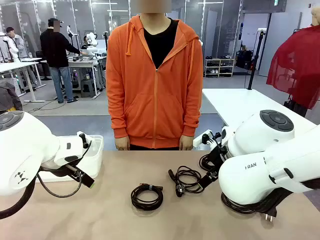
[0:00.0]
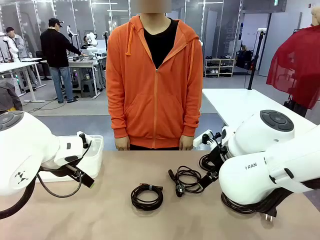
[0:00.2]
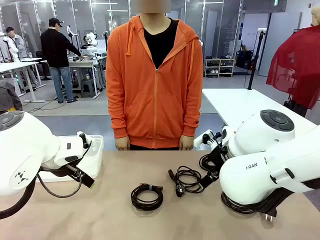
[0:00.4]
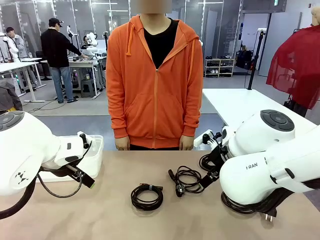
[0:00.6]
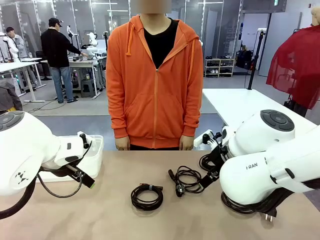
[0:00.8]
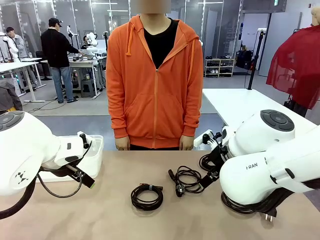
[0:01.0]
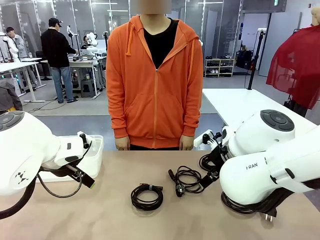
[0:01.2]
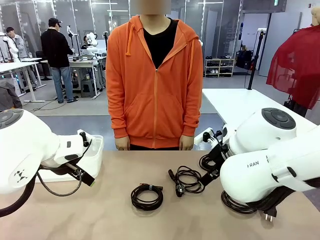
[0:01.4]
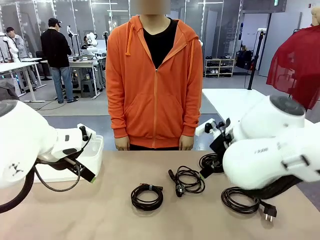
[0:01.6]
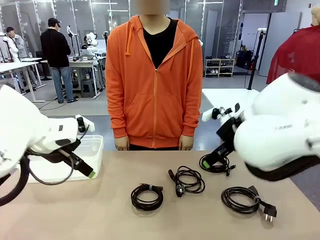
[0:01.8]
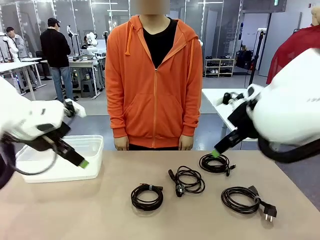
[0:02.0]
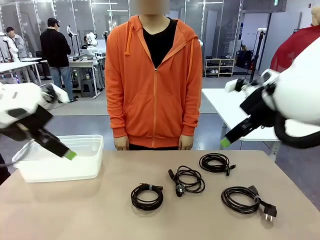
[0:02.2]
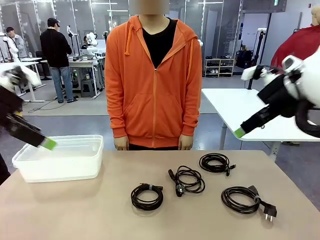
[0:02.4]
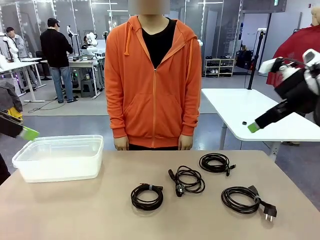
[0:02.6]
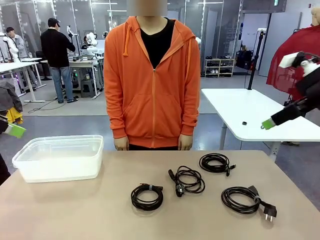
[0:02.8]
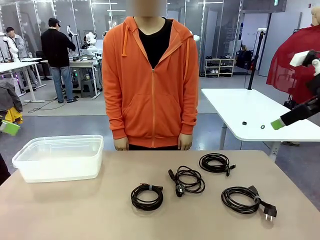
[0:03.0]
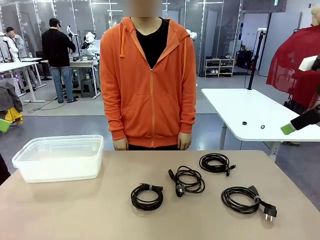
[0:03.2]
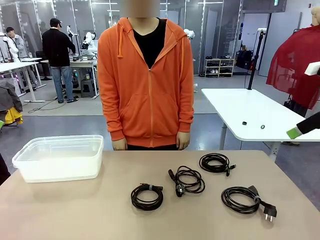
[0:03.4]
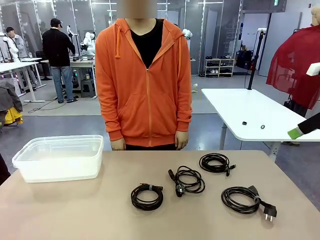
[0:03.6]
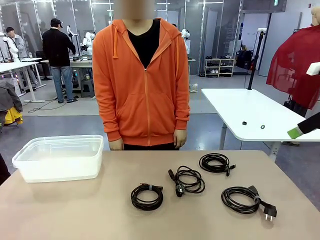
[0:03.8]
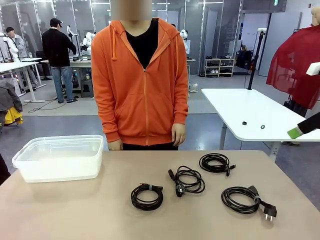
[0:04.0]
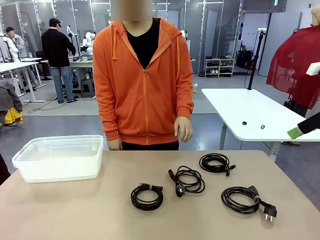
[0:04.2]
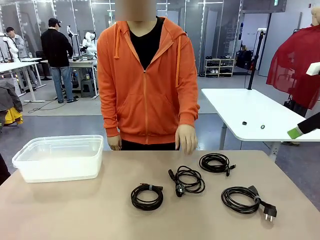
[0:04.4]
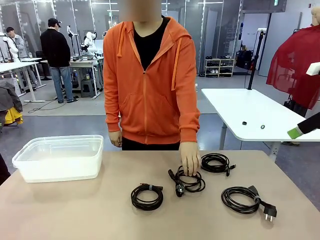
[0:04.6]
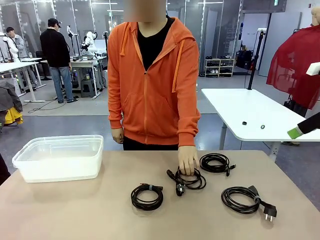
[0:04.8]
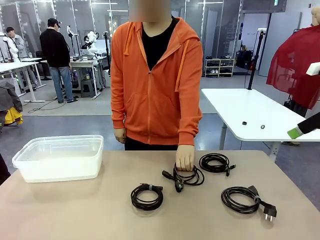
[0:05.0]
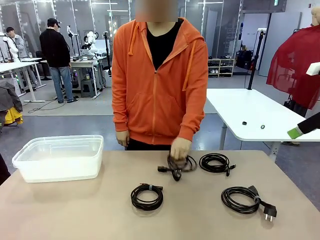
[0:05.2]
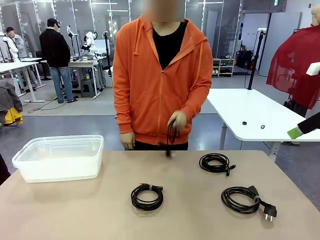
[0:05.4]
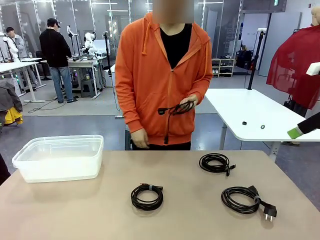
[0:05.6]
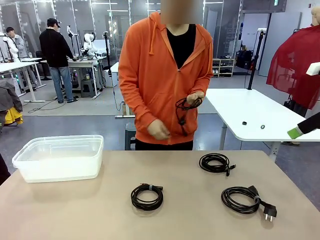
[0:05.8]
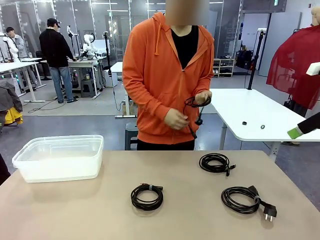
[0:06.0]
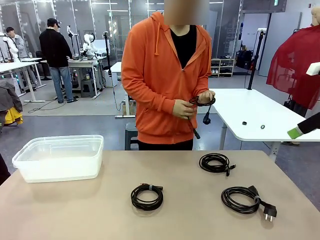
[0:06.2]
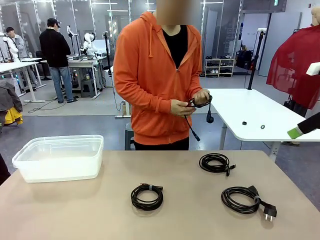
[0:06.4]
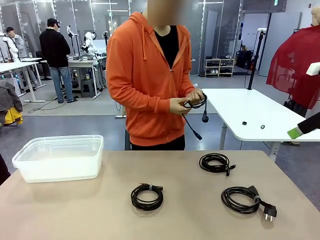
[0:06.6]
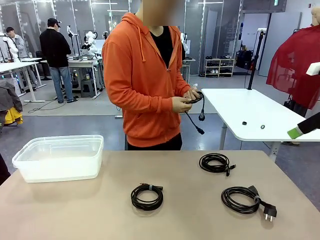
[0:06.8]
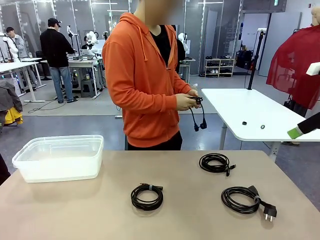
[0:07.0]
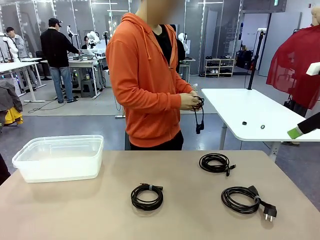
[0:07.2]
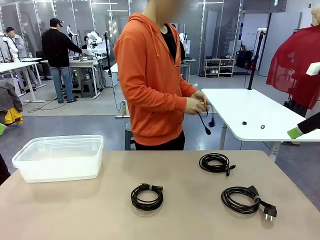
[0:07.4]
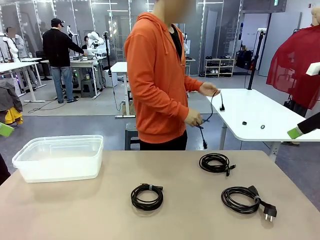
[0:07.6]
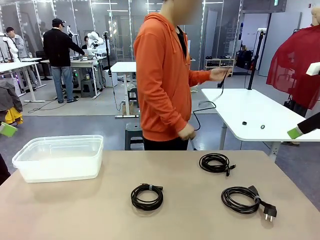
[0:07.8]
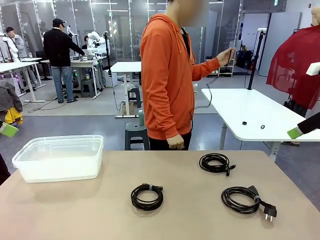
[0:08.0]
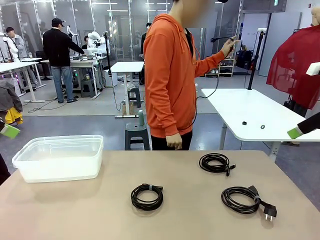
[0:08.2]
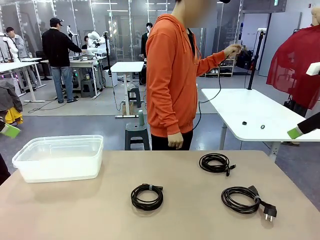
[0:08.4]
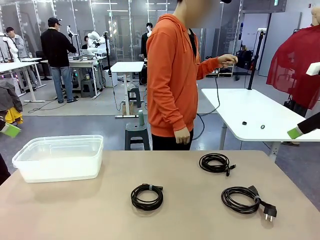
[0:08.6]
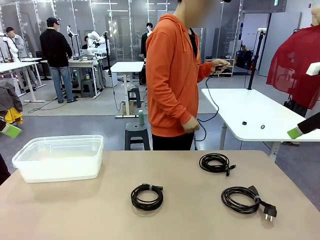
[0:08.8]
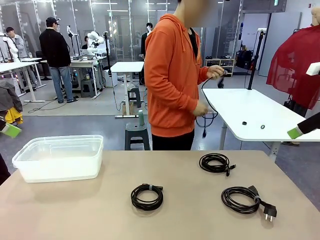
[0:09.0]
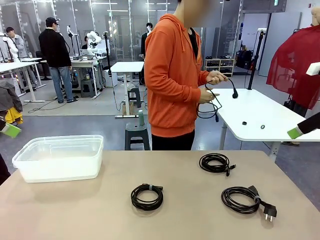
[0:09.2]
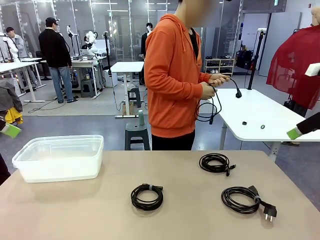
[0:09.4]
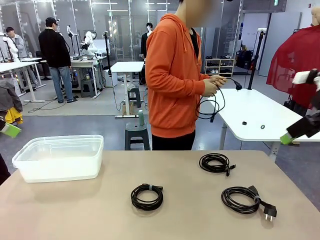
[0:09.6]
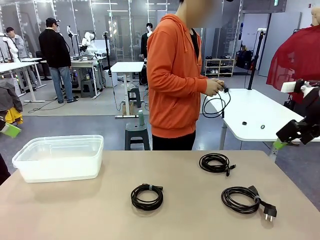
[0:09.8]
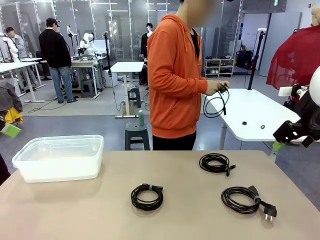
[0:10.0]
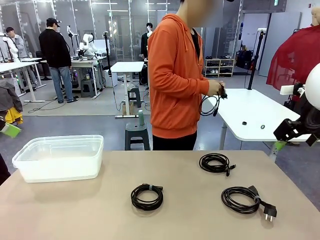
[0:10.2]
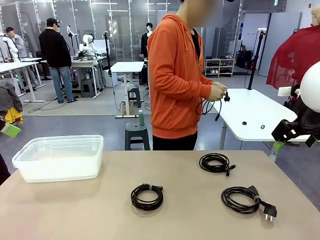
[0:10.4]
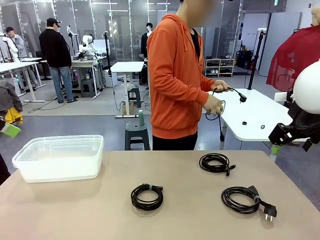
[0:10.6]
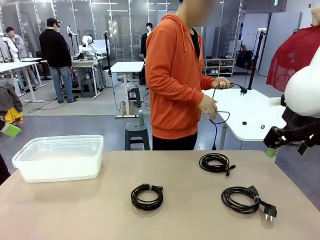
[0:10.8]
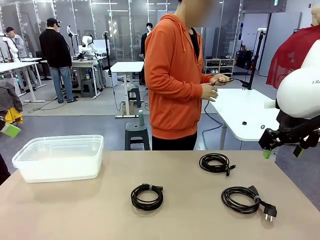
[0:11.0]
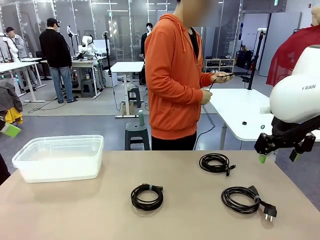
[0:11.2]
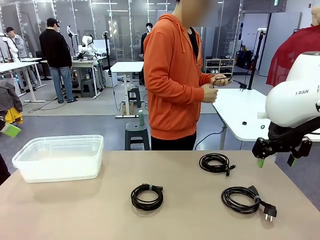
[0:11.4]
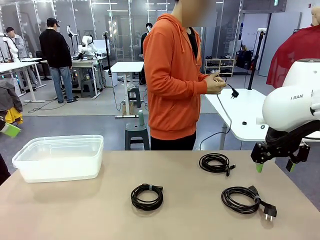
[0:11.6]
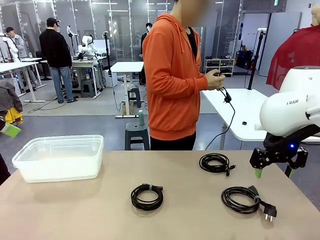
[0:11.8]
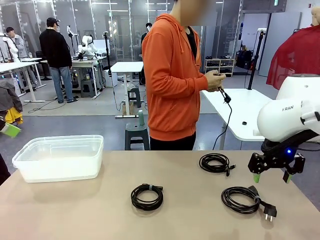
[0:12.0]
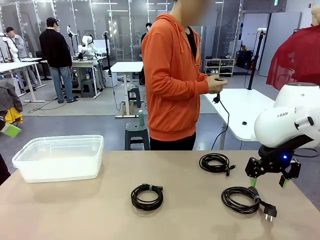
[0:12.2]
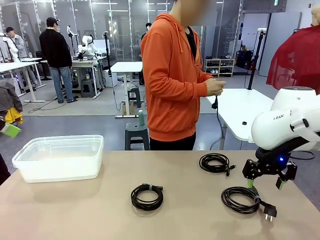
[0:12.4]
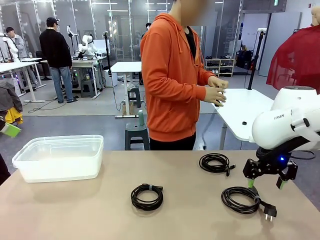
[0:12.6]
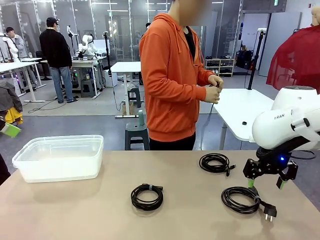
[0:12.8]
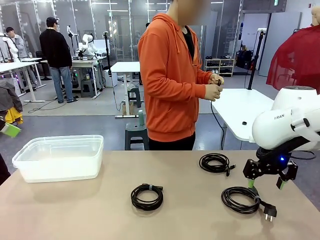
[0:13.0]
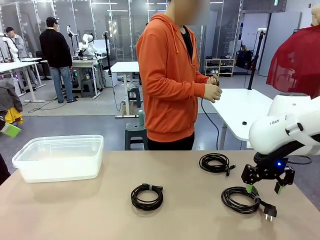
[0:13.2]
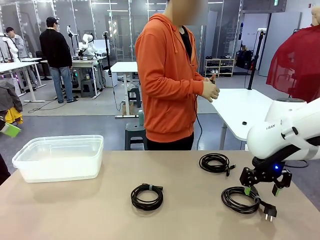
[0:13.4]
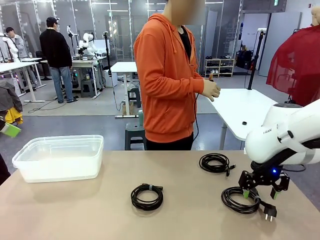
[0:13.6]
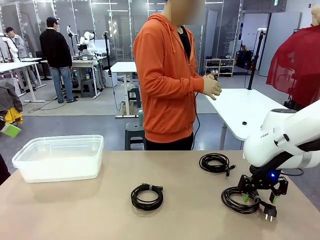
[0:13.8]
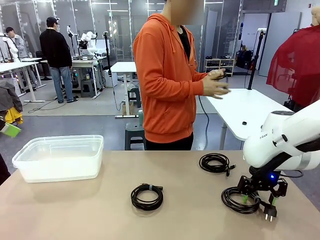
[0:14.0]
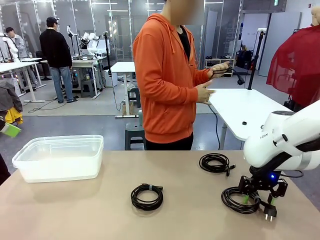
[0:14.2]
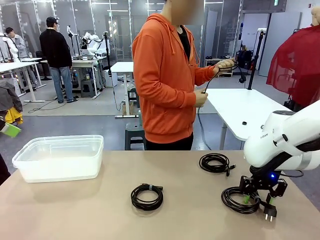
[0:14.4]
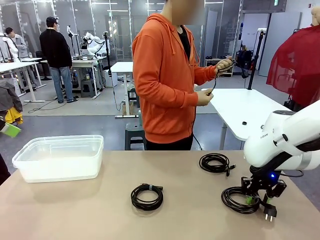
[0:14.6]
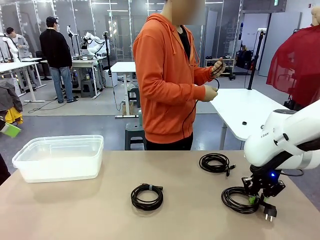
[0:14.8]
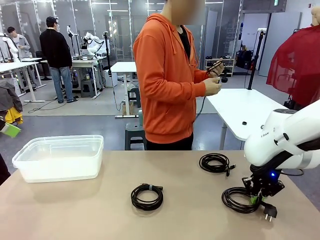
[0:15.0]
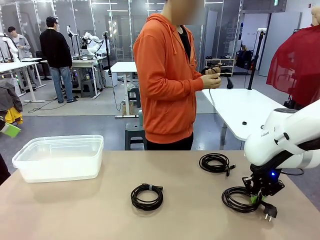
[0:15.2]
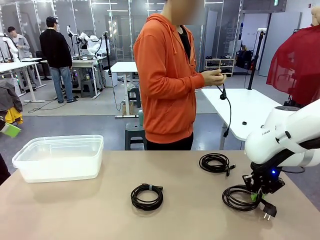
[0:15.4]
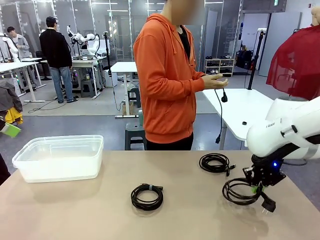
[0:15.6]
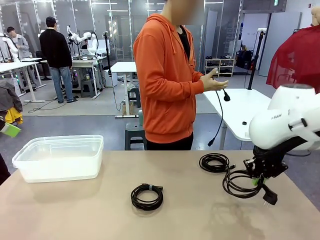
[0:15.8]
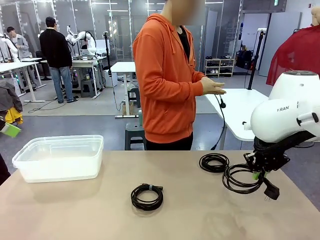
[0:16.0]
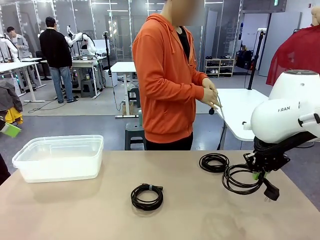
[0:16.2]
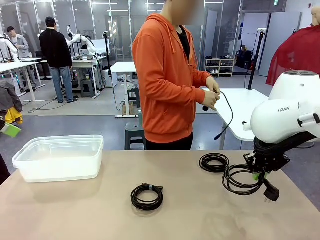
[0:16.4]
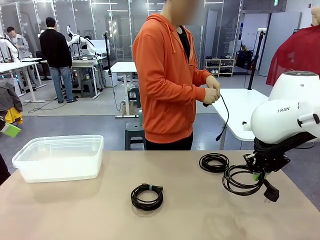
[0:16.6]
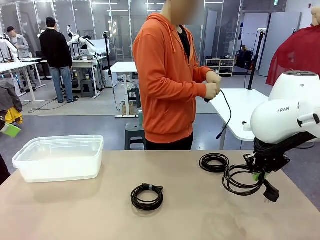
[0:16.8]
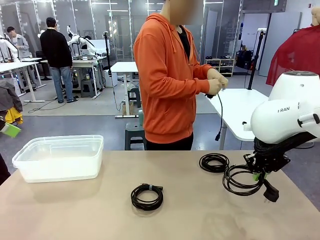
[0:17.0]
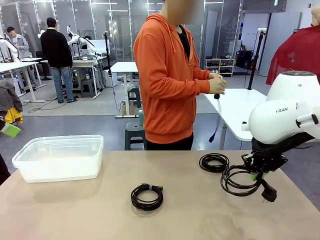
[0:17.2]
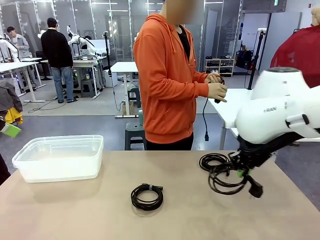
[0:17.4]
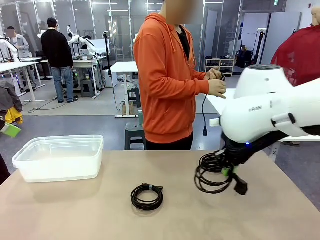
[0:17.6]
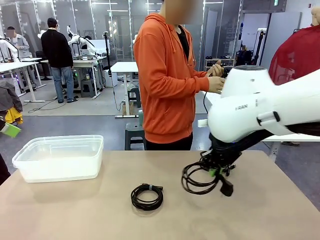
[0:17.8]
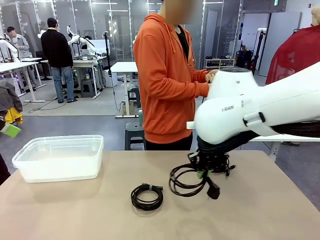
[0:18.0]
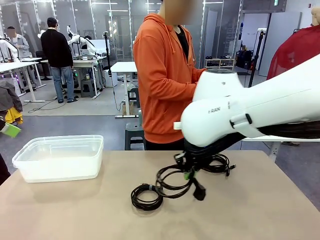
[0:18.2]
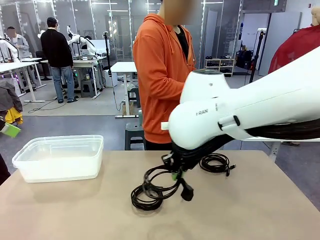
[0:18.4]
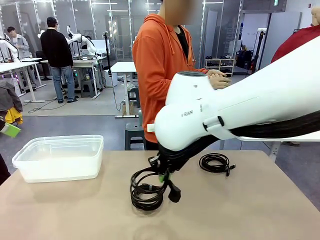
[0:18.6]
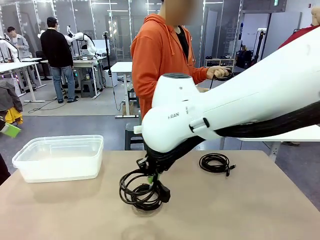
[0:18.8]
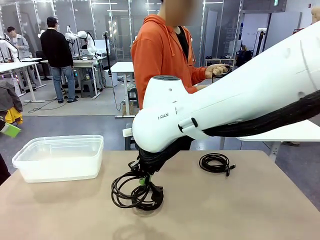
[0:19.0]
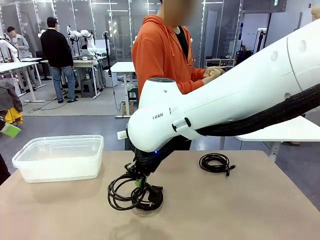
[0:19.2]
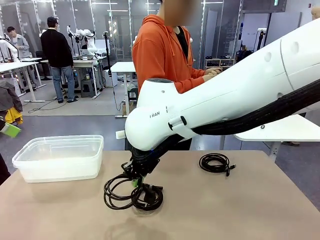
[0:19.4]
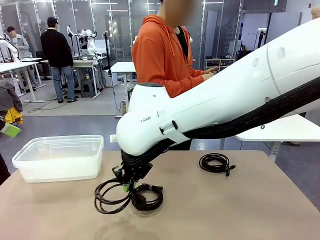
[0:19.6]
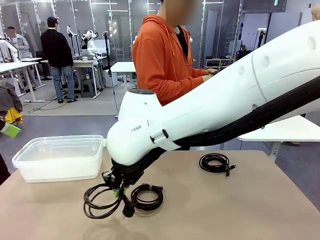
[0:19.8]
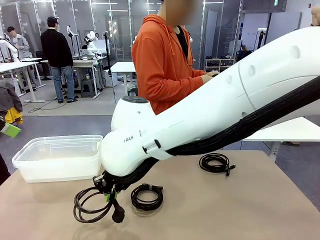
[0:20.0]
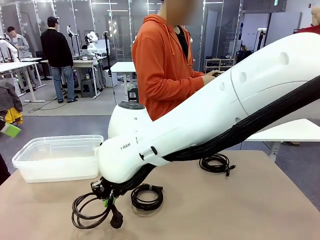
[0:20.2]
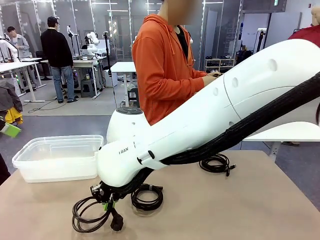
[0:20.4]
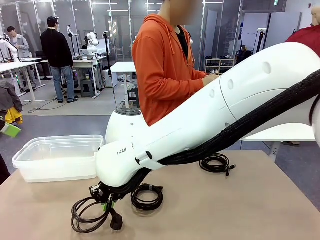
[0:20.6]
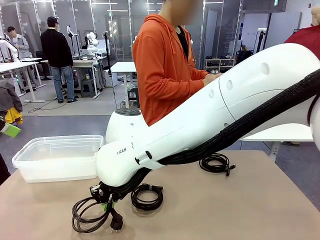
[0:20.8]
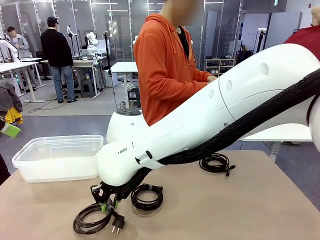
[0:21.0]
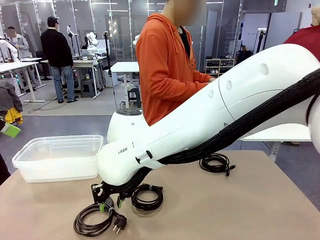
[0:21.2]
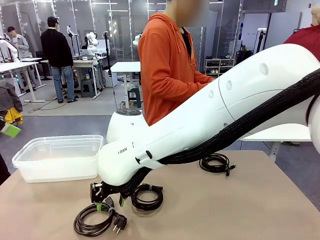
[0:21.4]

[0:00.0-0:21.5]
Task: Organize and store the cables.
Robot: Place the Power Cable into the Organizing box.
